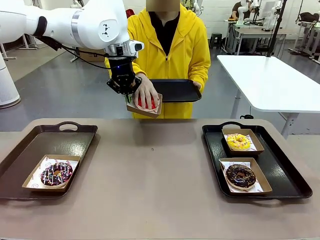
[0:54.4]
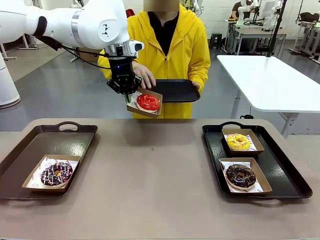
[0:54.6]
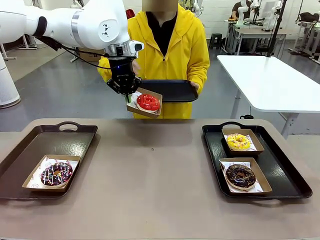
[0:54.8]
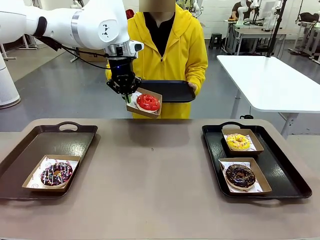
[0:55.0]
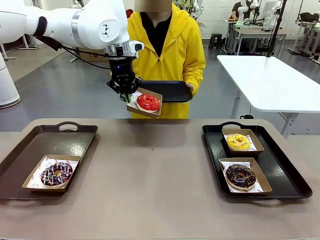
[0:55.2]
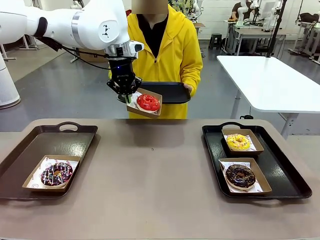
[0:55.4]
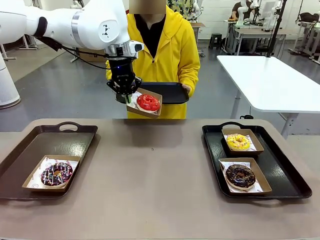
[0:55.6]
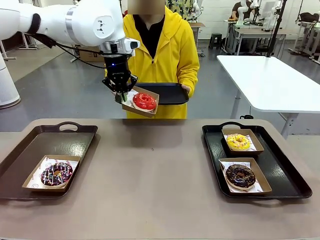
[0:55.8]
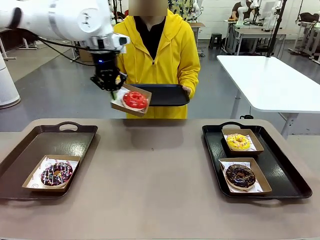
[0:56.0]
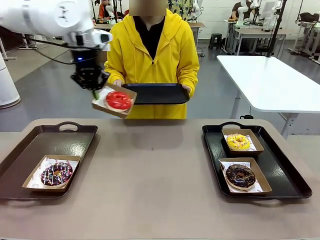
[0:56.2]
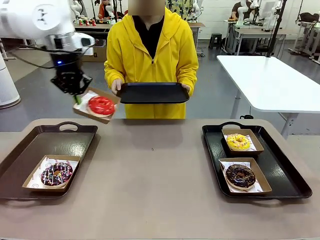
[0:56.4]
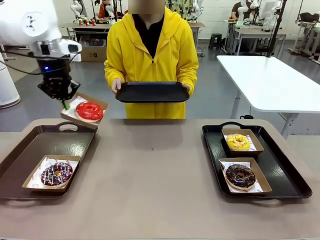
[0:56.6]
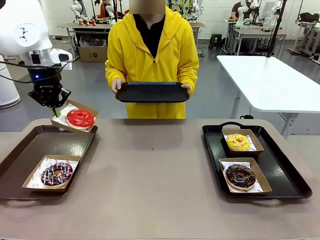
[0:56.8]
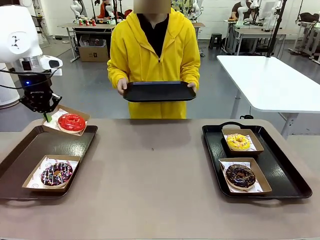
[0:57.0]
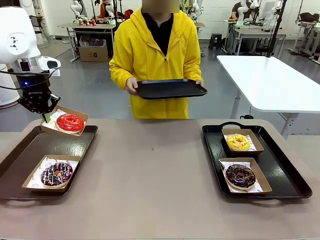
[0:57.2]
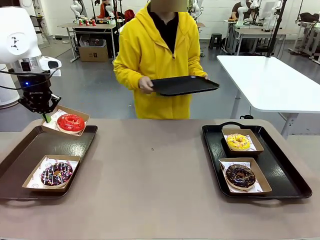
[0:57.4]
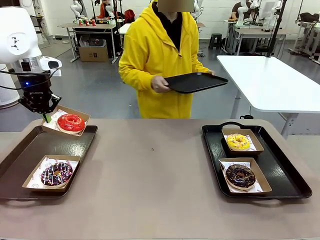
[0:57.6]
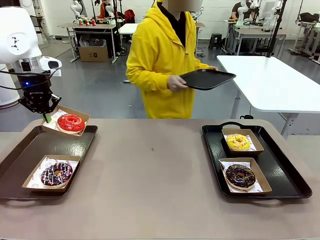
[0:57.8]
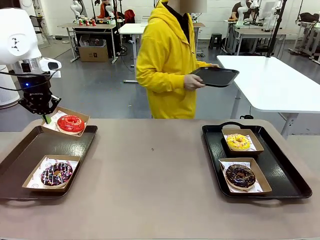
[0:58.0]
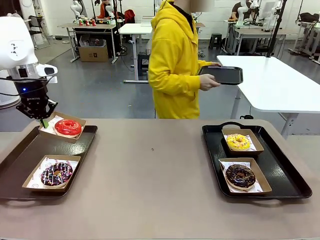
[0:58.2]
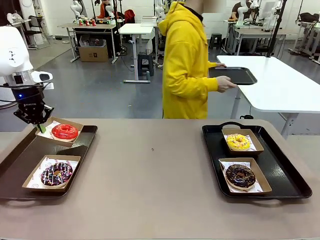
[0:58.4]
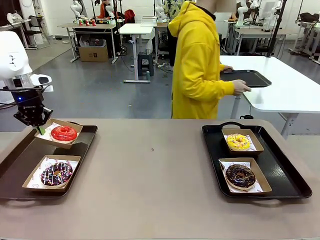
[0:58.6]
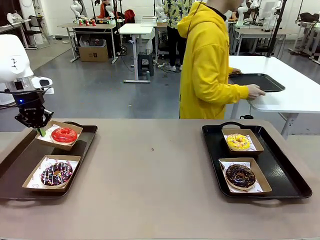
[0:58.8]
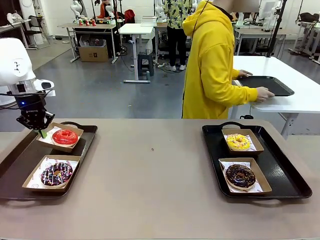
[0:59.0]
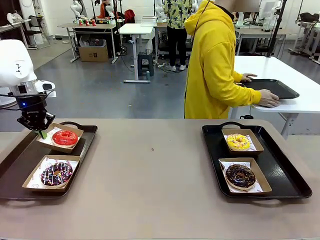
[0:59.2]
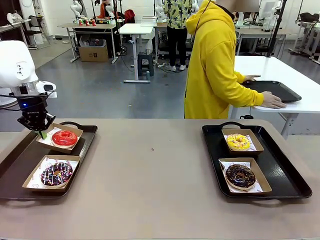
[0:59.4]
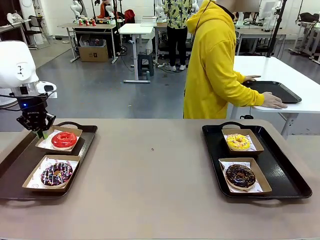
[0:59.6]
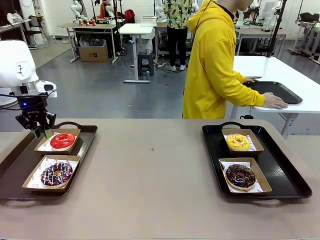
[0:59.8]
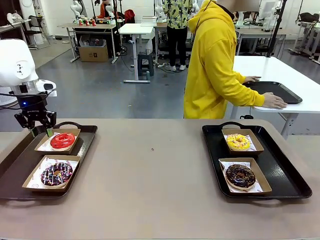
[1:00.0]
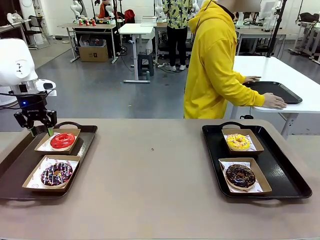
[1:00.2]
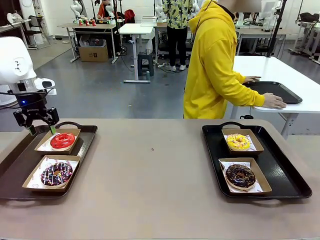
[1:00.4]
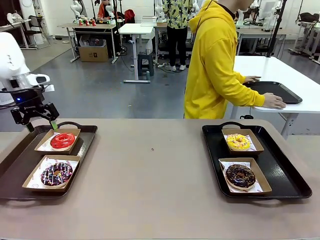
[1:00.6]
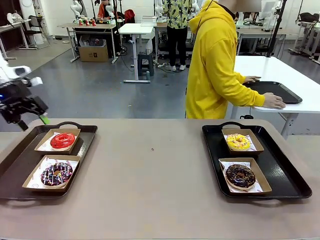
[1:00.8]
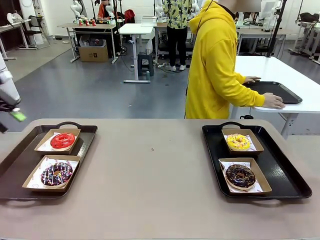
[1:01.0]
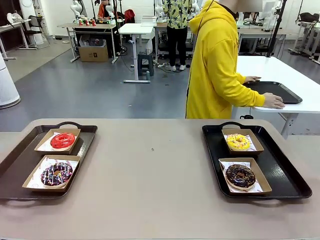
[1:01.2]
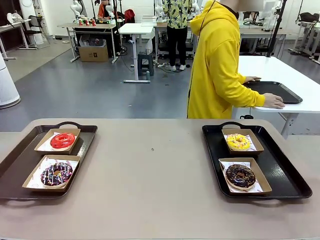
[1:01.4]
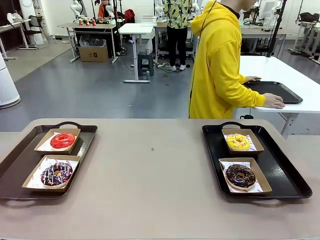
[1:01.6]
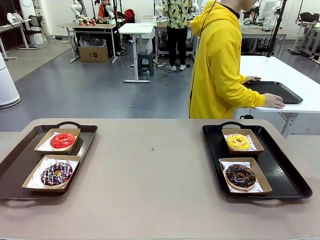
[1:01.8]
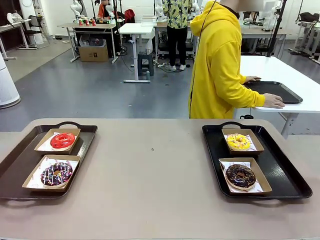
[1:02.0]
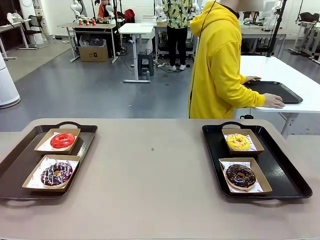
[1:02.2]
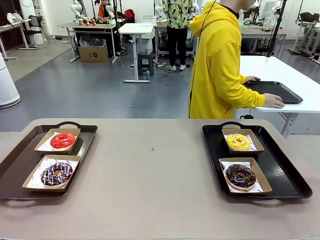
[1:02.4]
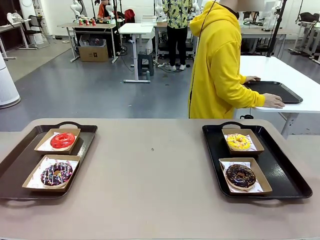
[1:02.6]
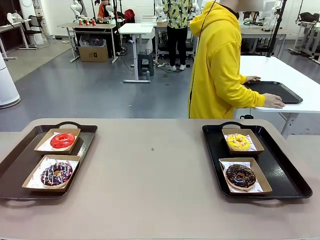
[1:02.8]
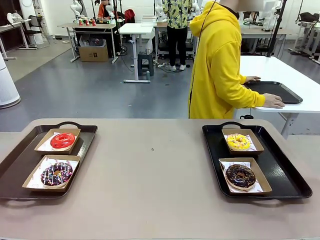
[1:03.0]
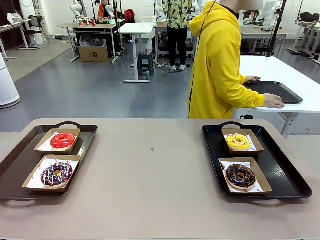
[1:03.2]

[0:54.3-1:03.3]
Task: Individually package the donuts and arrange them on the tray.
Robot: Place the picked Paper togo box on the Handle tray.
Person: Place the tray down in the middle of the human table.

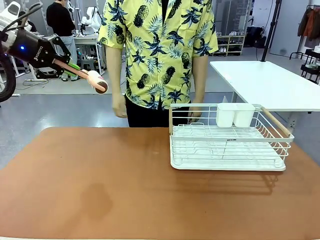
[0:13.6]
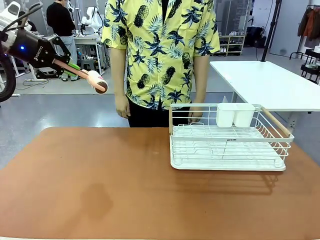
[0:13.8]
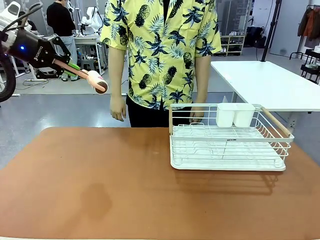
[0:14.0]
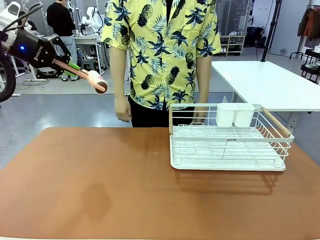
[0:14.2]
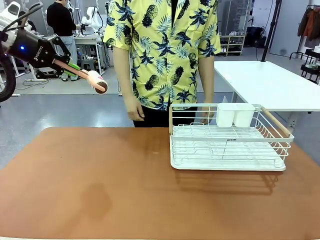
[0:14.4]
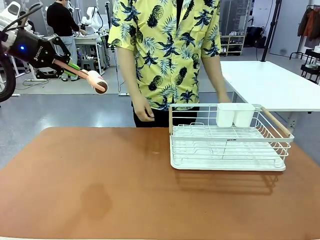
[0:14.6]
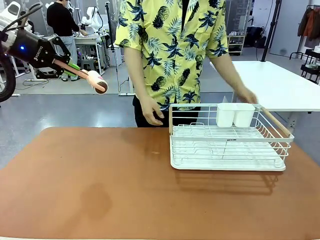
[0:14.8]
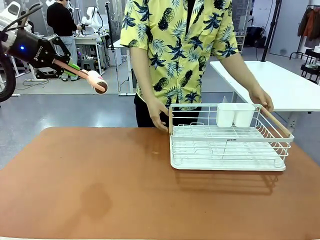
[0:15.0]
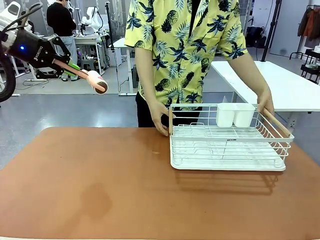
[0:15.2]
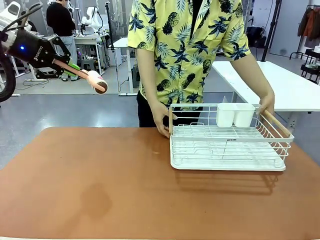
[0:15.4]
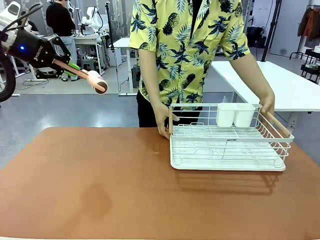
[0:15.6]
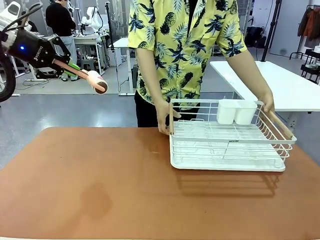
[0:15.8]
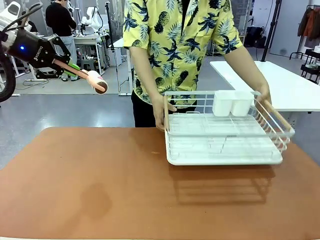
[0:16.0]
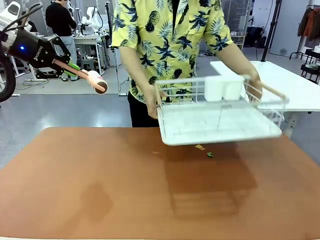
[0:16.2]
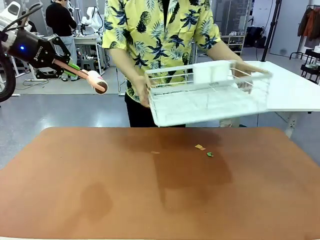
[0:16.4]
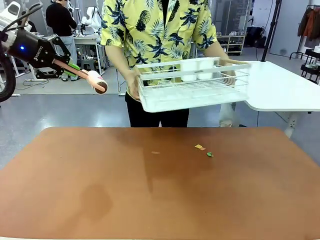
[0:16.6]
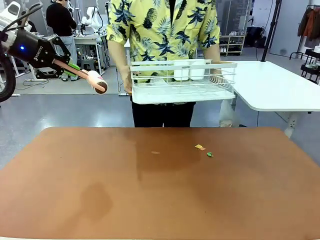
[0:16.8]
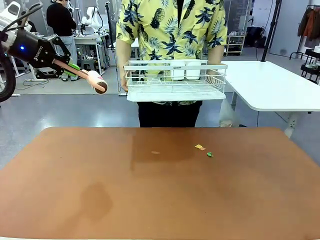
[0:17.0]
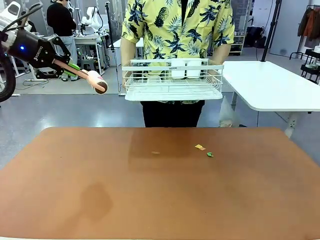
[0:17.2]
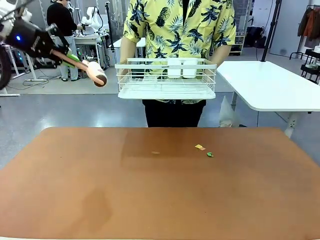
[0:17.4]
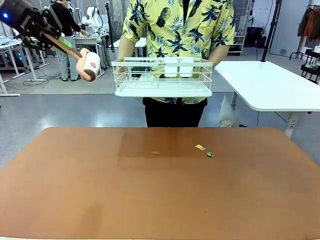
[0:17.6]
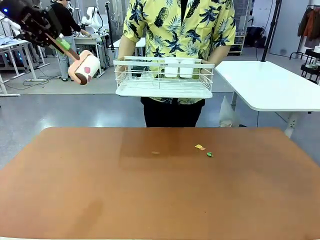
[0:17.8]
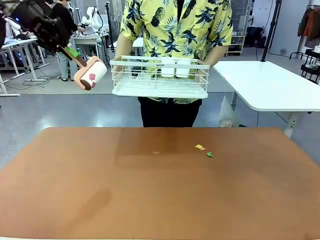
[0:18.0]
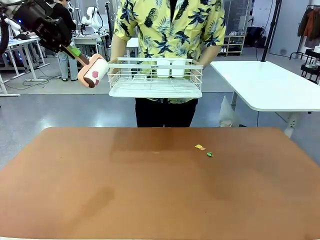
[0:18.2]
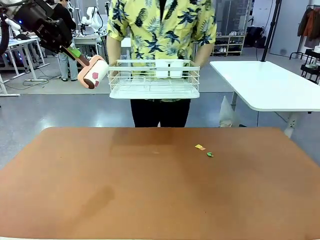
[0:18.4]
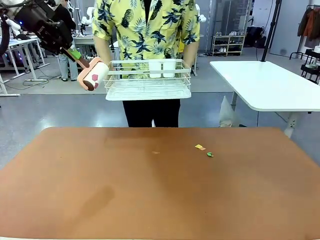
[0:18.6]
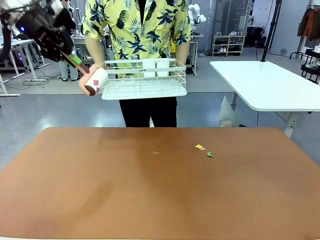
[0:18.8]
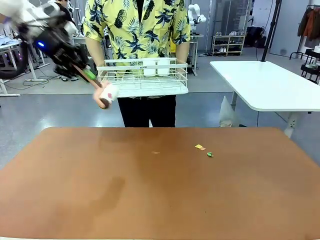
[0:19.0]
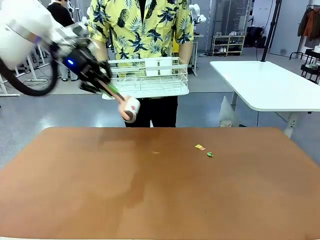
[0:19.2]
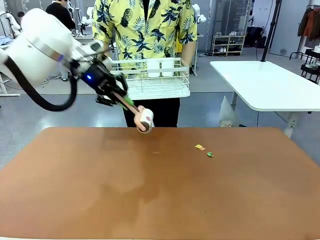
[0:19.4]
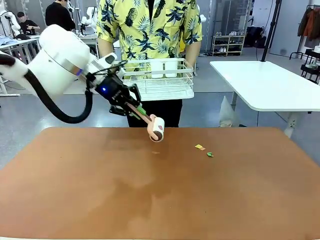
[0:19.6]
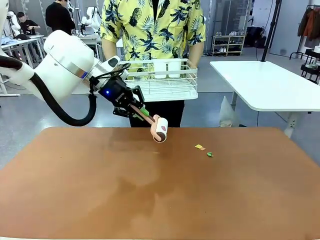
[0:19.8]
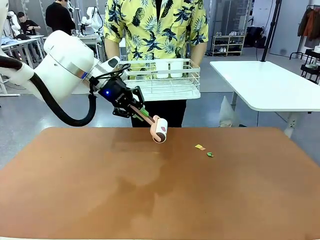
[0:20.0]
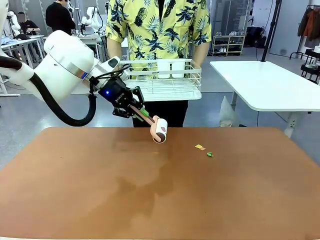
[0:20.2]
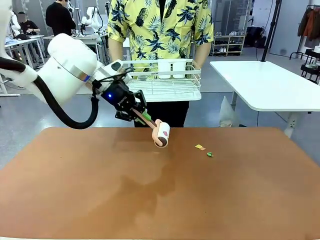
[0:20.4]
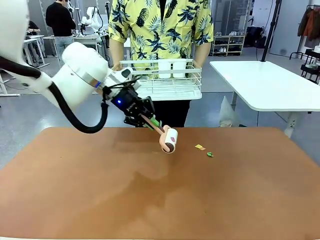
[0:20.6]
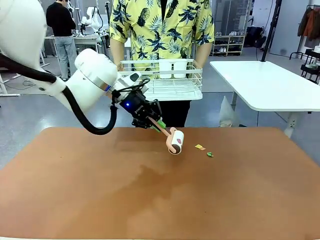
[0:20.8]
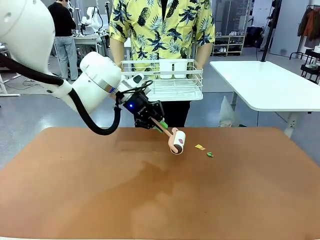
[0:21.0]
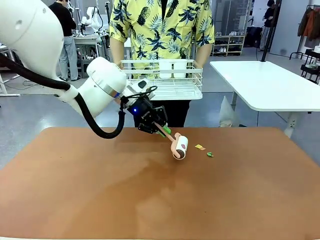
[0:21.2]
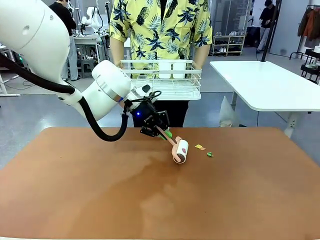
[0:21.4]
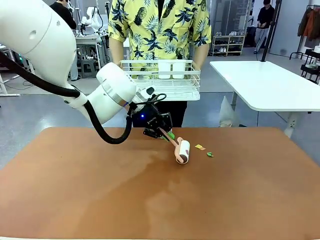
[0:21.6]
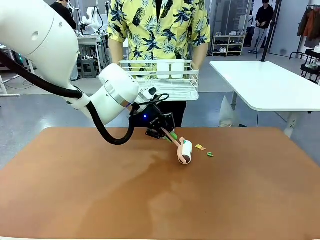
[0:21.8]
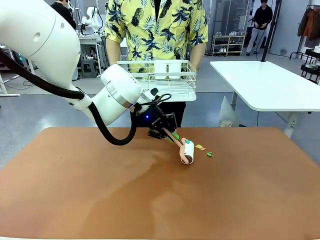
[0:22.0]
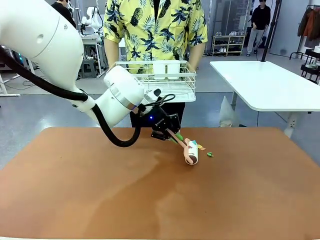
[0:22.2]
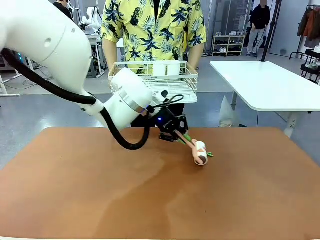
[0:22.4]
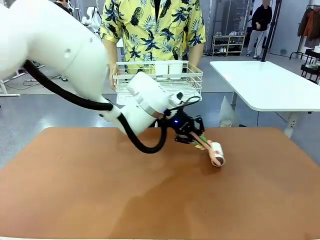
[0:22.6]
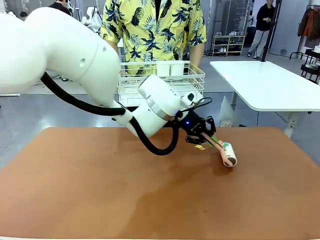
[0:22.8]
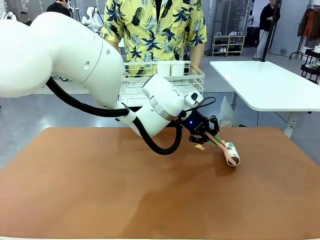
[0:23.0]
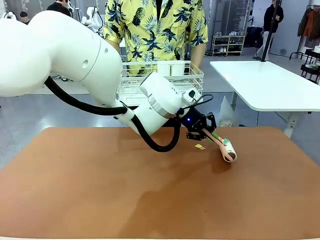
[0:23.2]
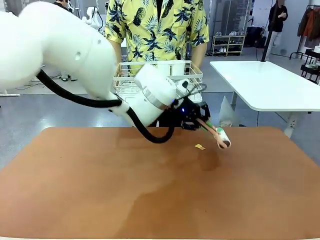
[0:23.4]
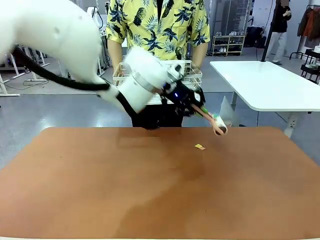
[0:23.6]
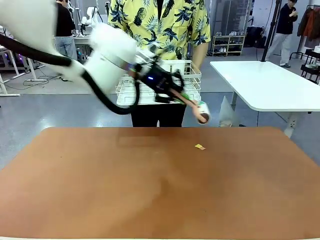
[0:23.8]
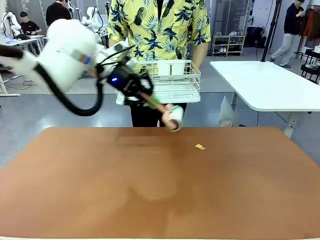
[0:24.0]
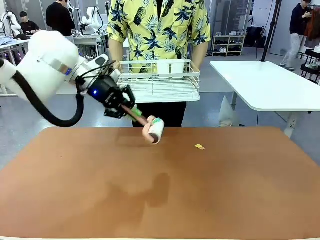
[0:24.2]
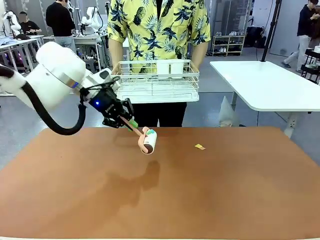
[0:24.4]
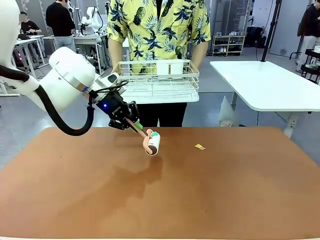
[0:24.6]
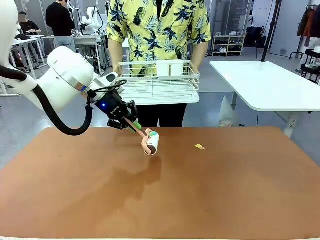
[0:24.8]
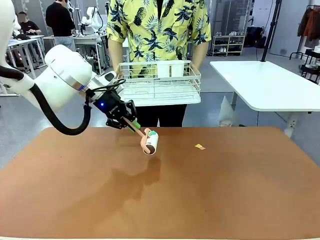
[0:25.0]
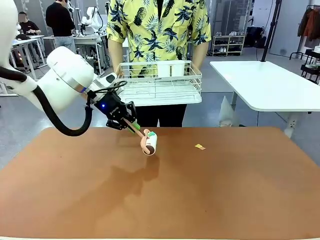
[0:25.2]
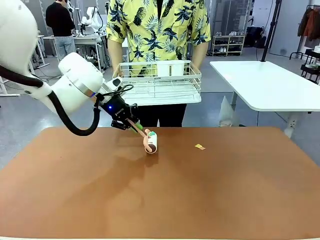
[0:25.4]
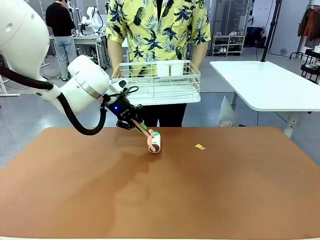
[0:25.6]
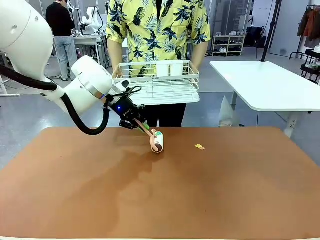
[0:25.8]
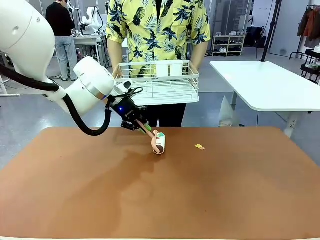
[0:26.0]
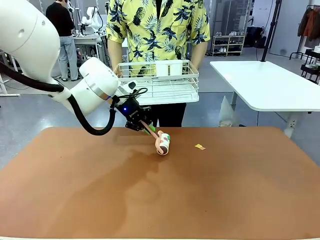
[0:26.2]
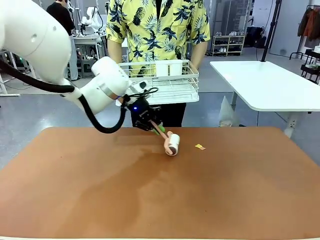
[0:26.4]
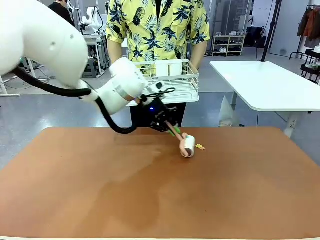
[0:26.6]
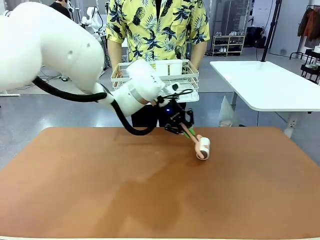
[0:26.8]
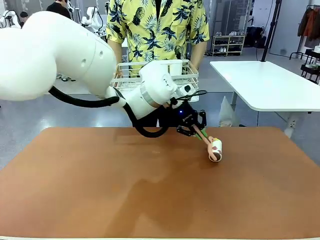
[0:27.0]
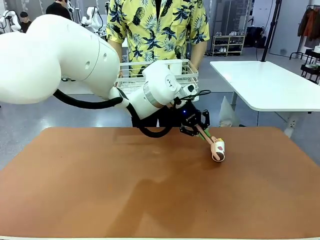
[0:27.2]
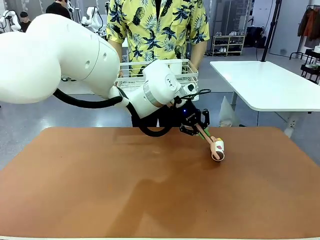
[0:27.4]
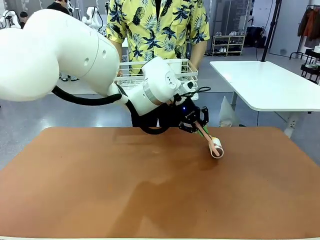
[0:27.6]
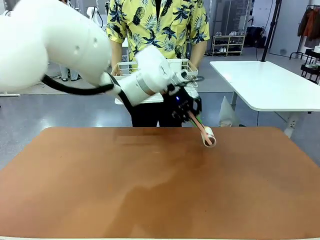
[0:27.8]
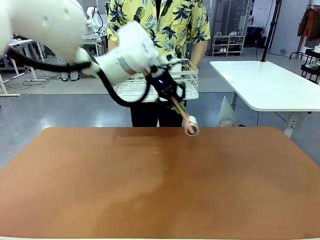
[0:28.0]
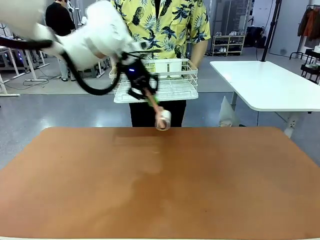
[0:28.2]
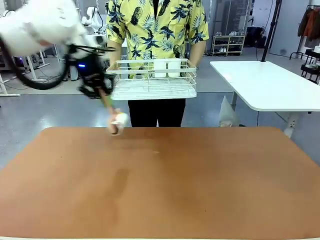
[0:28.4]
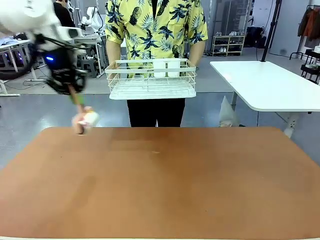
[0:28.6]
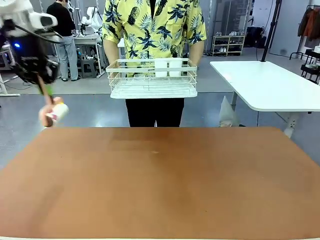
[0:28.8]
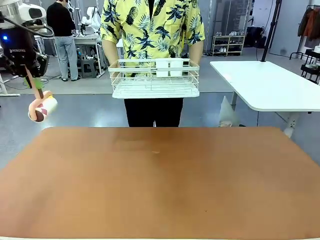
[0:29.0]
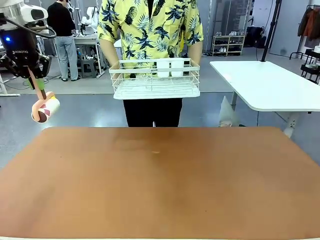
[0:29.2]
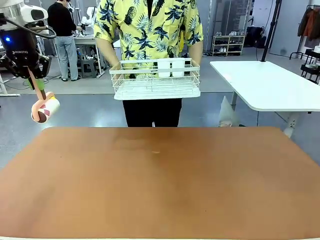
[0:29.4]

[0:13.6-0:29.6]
Task: Clean the table.
Robot: Clean the table with the Lint Roller when the human lifts the Dish drying rack.
Person: Place the Dish drying rack down when the robot finishes cleaning.
